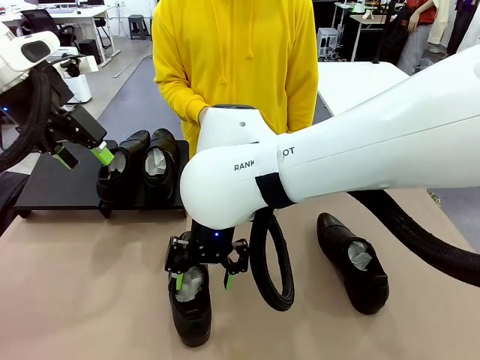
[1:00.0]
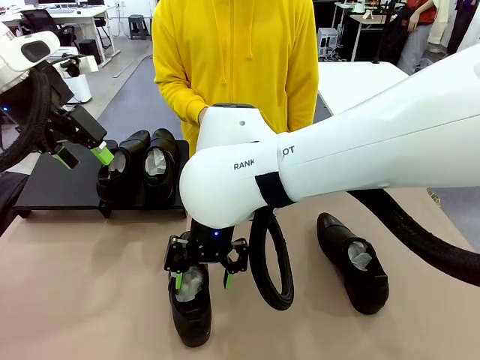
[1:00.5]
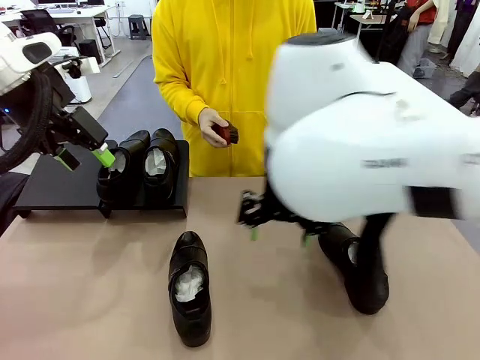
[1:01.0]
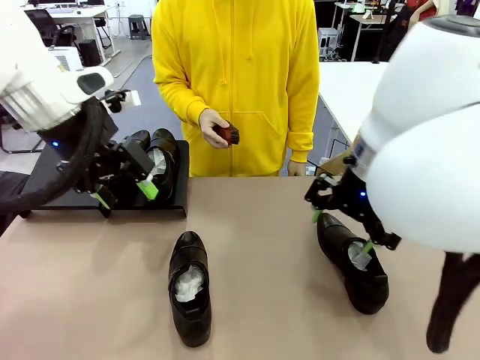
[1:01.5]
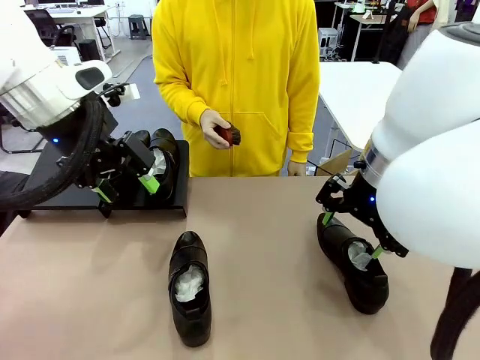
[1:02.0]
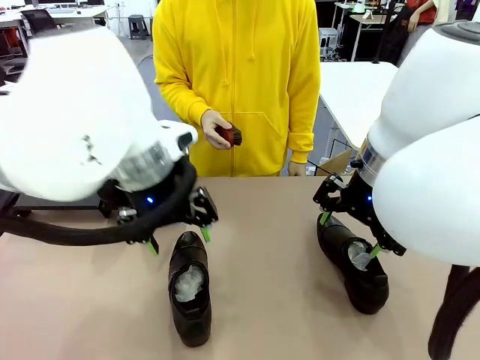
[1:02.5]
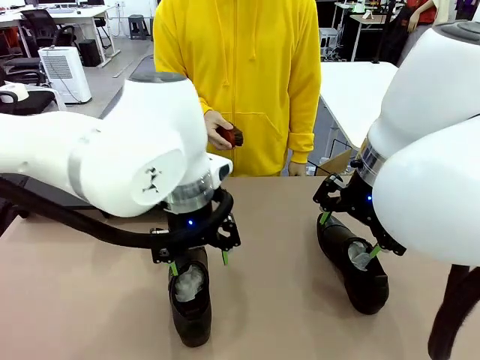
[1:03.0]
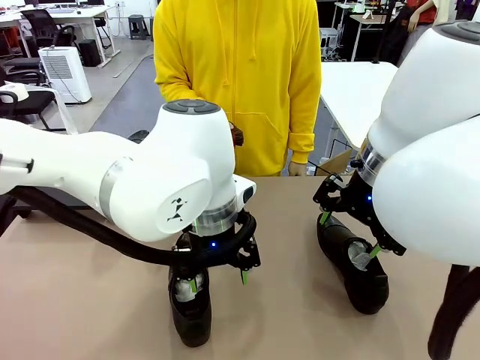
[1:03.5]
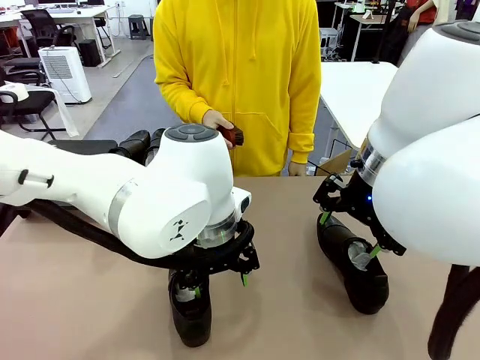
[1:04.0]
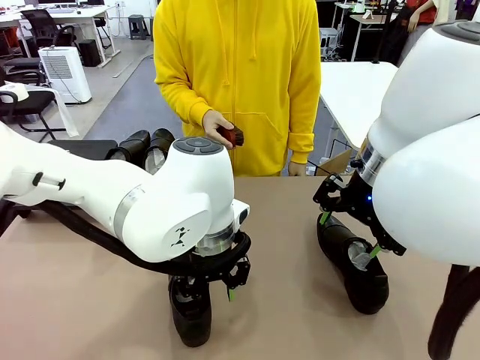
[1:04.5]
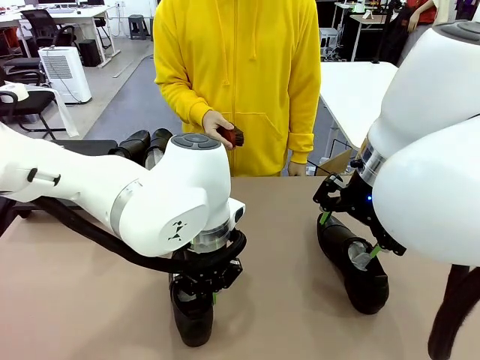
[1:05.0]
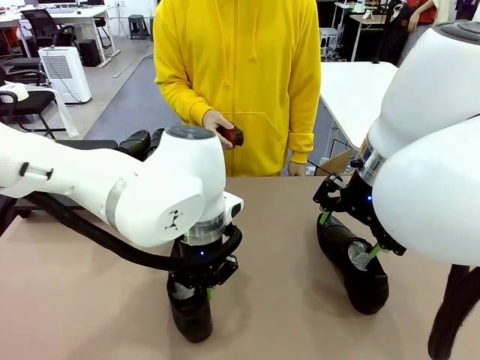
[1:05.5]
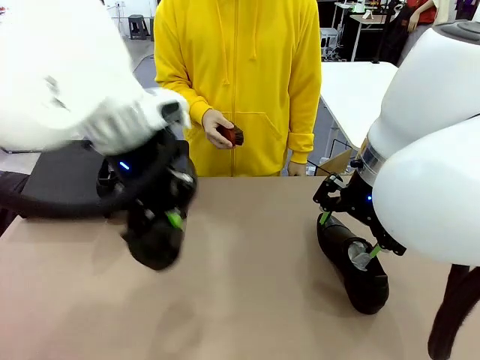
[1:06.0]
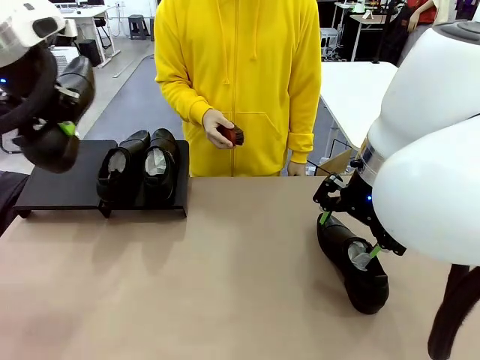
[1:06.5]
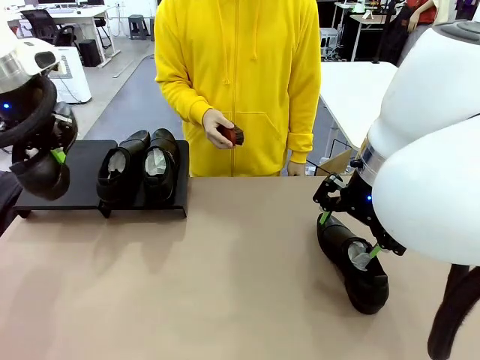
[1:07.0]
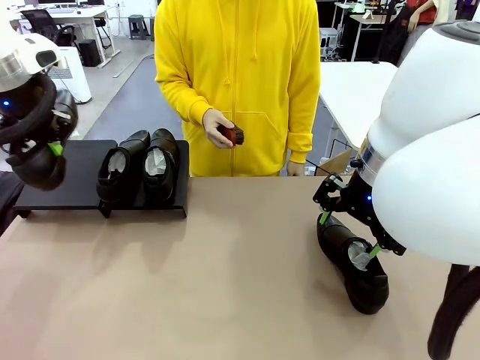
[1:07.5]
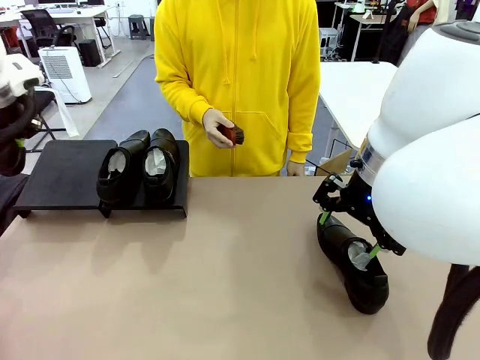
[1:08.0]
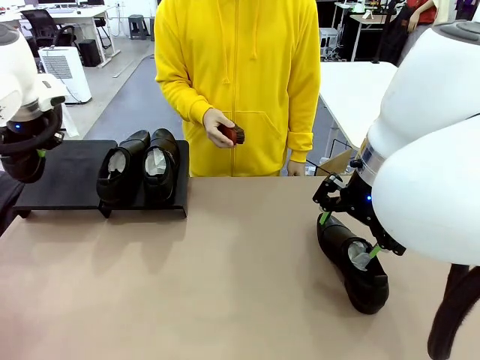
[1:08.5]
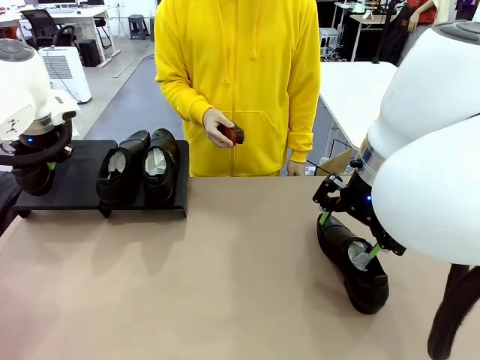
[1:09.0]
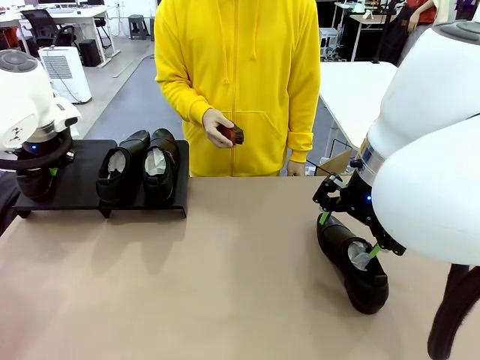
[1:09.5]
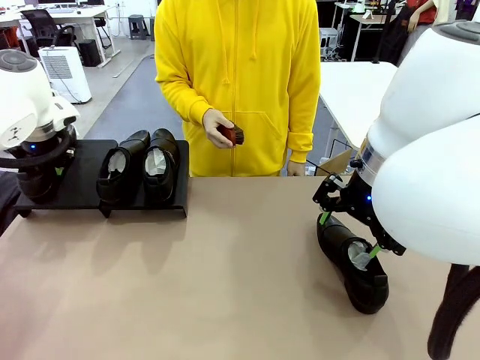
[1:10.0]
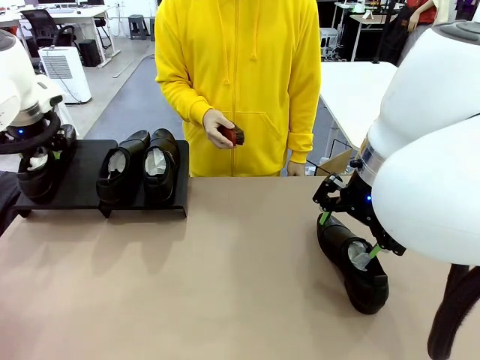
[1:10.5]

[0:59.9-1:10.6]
Task: Organize the shoes by placing them on the stand.
Robot: Place the Shoe from the middle of the table onto the Shoes Stand.

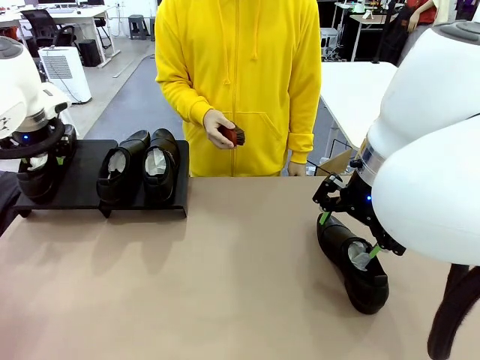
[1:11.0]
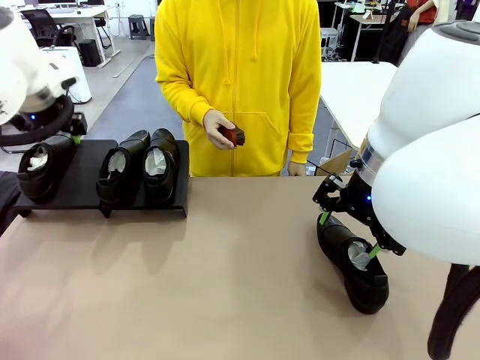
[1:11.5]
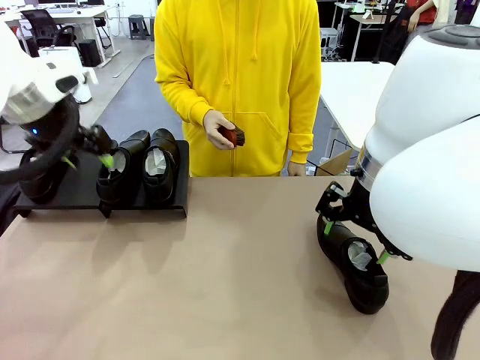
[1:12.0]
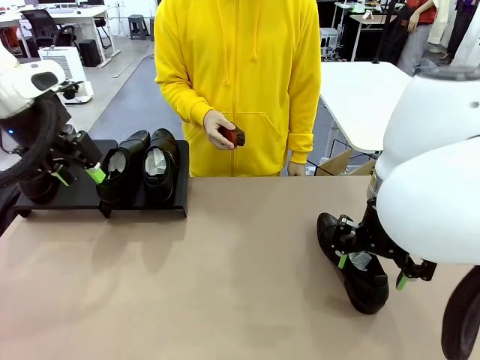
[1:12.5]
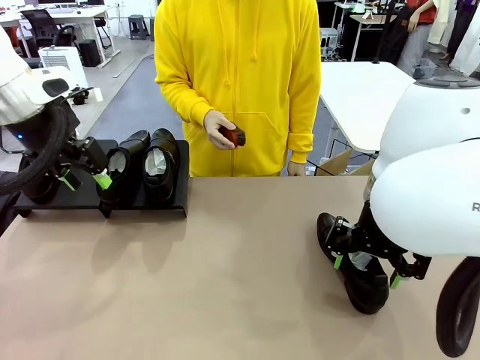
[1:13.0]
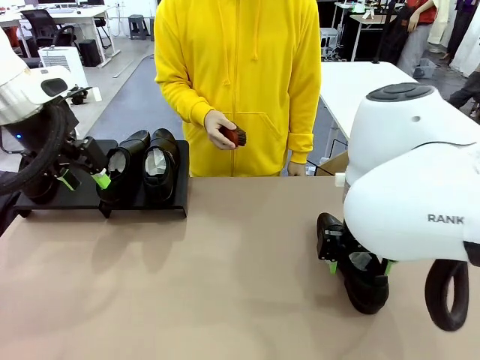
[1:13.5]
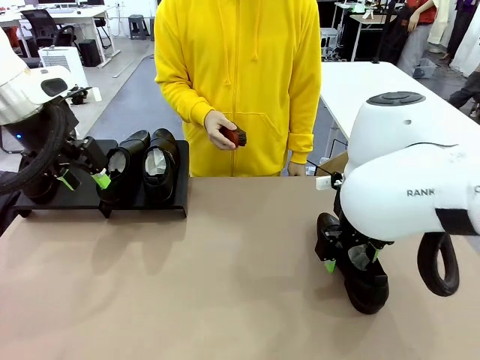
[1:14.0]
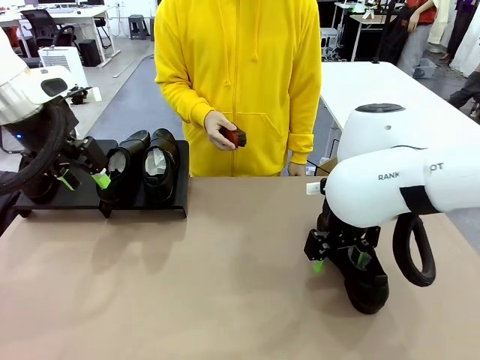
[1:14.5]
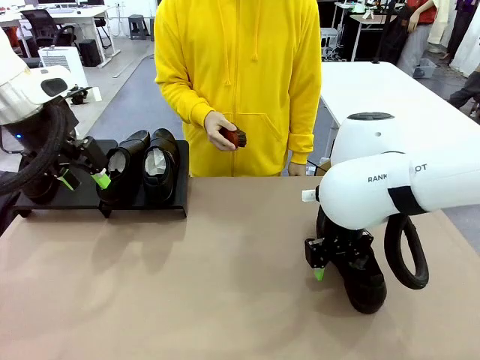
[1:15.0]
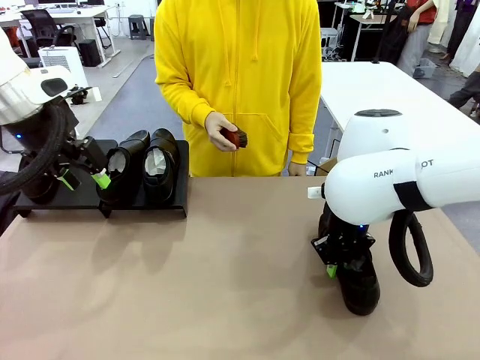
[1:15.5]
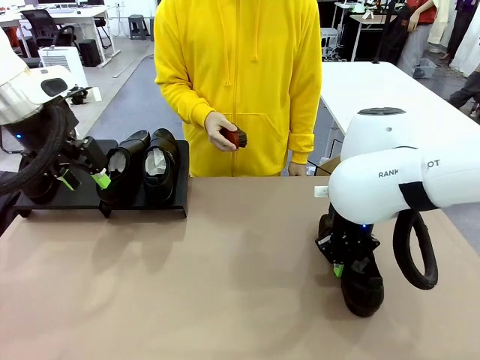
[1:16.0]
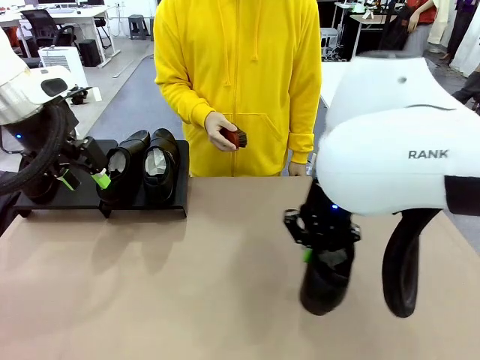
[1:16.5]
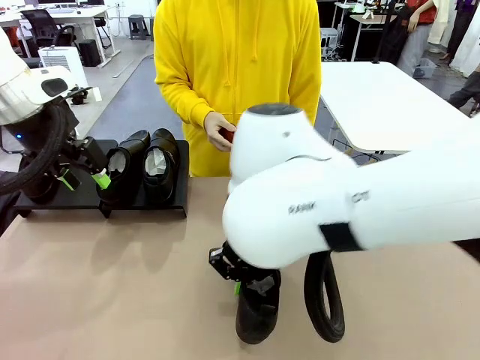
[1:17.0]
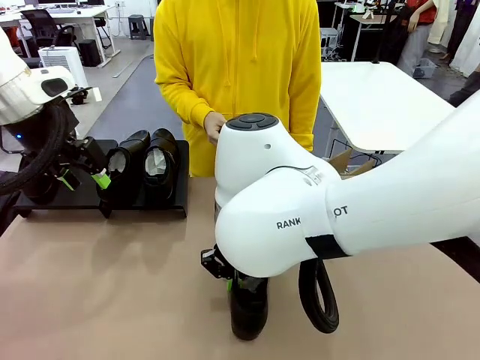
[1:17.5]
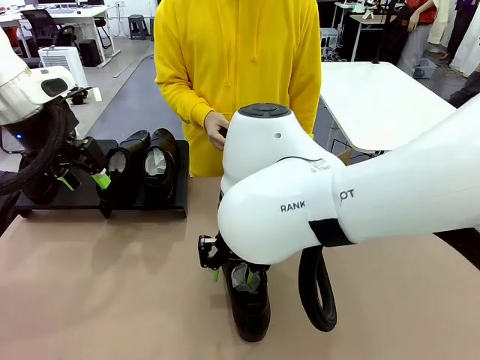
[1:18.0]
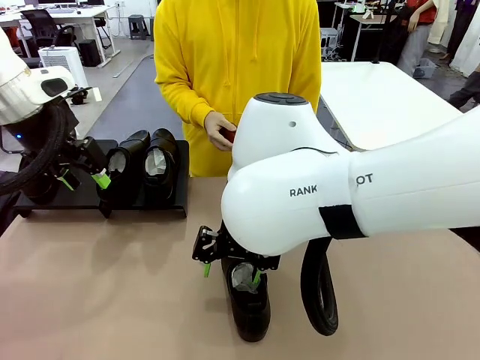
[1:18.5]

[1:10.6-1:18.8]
Robot: Pick up one Shoe and place it in the middle of the table.
